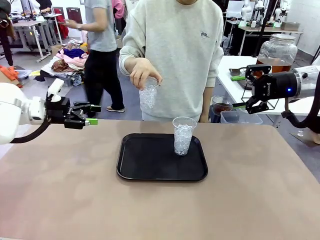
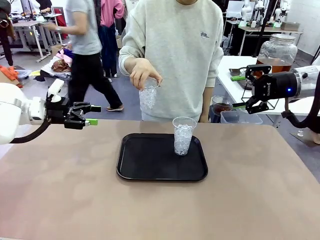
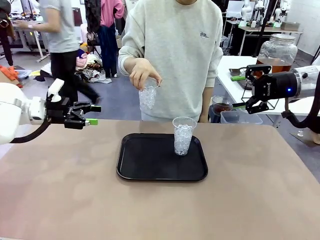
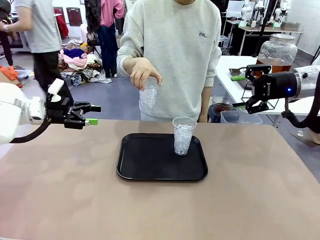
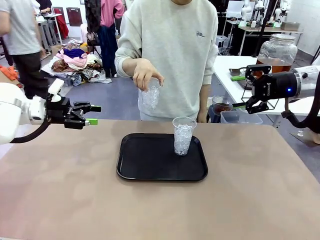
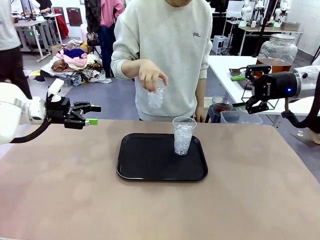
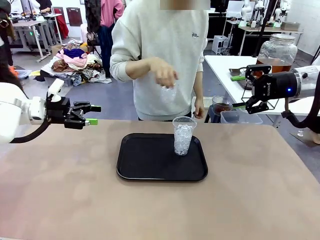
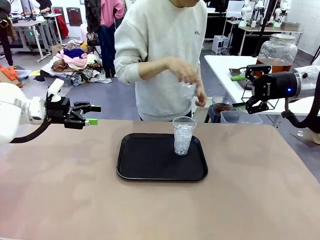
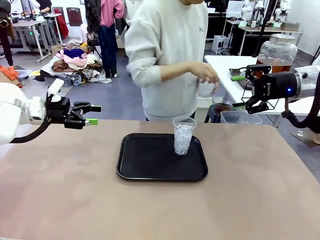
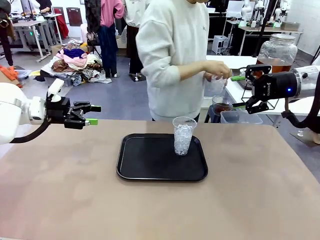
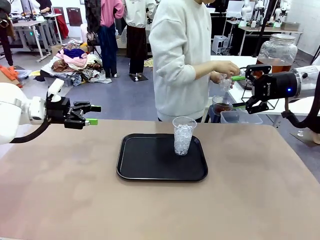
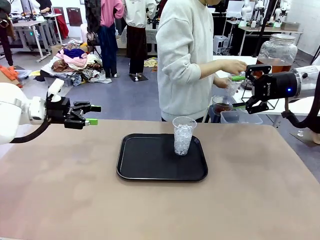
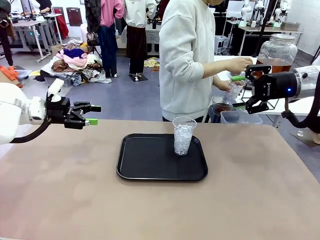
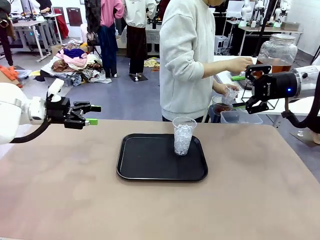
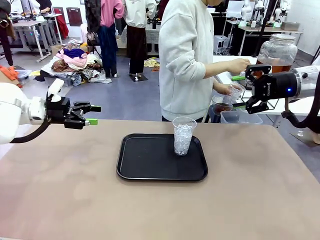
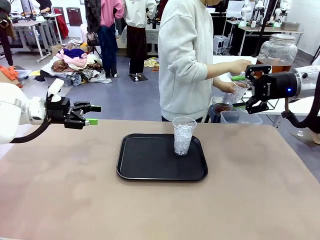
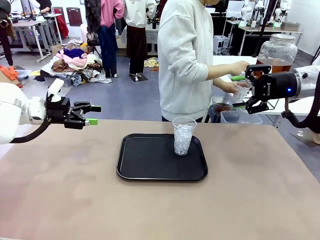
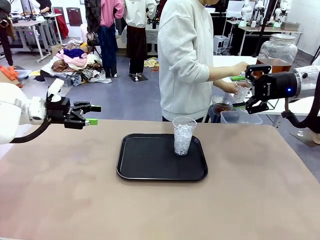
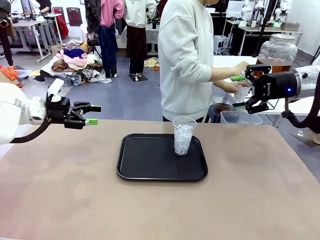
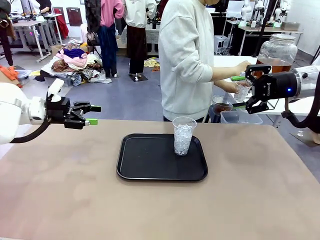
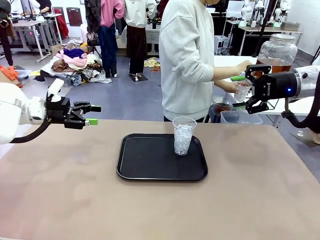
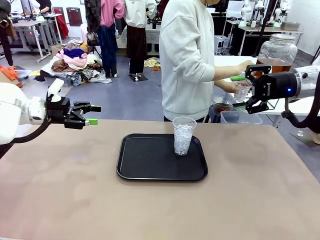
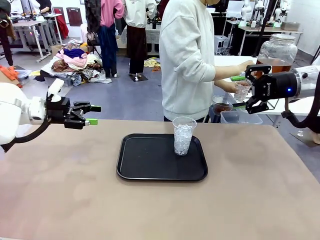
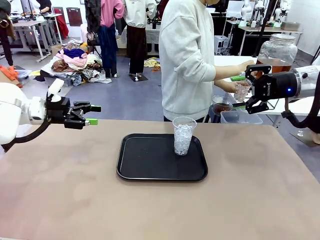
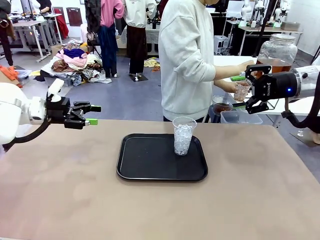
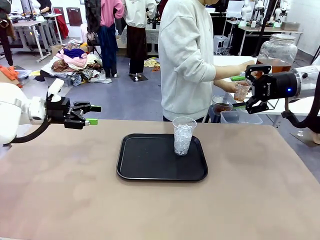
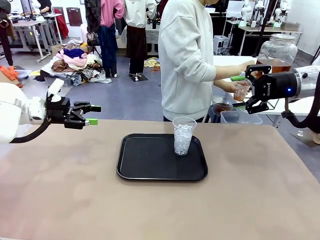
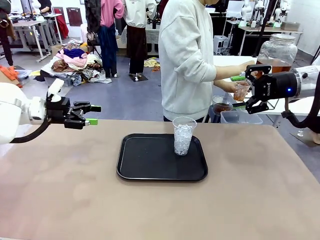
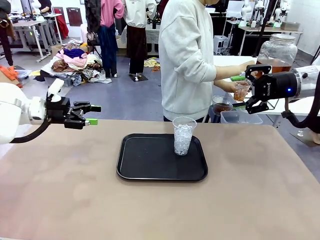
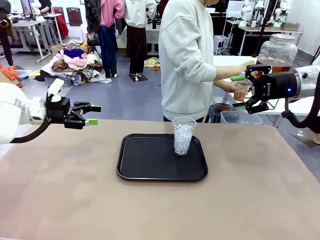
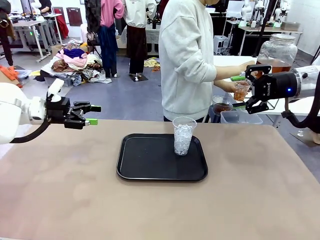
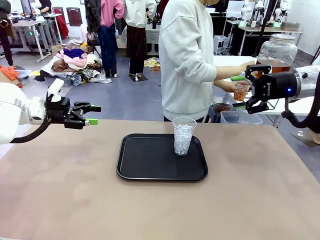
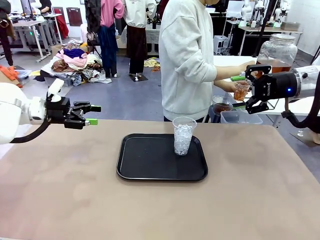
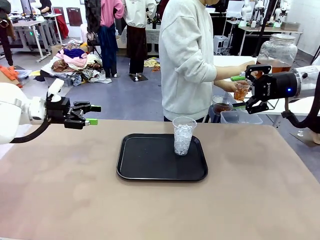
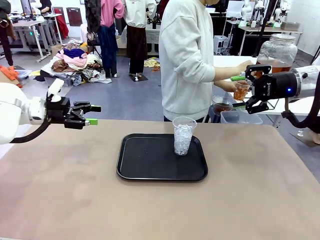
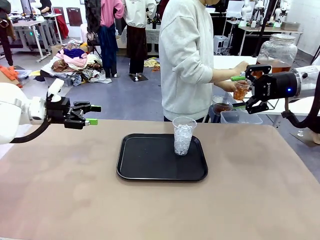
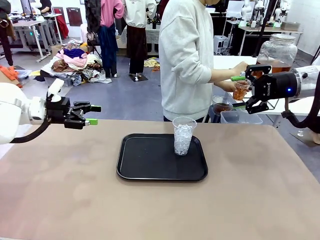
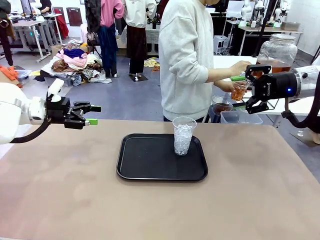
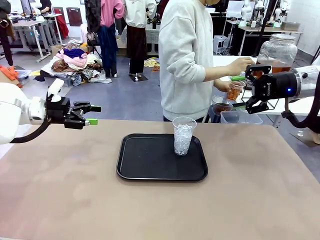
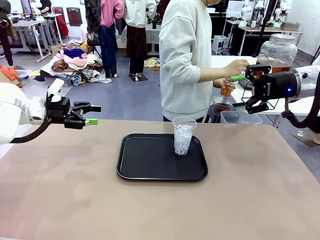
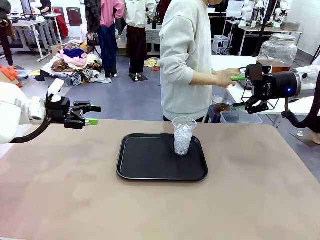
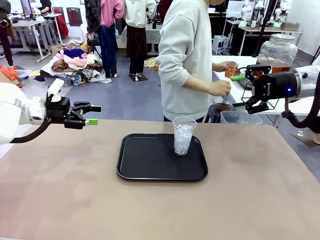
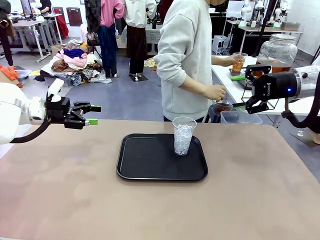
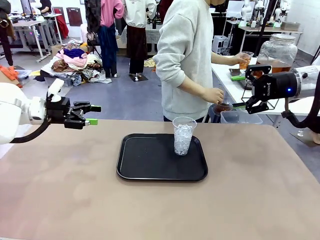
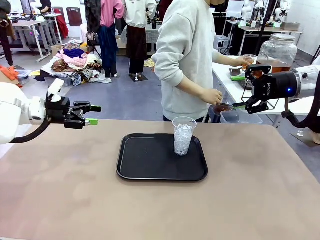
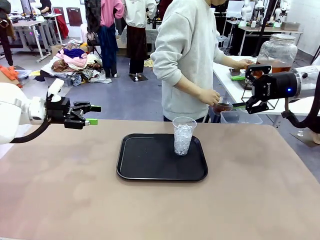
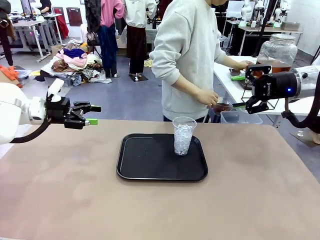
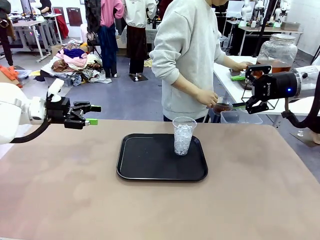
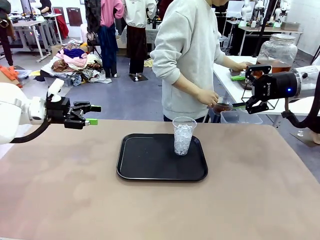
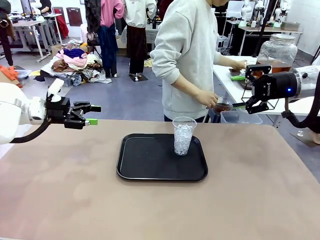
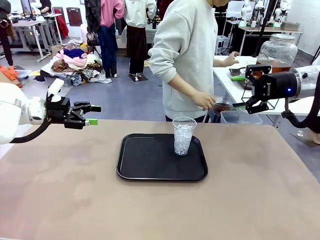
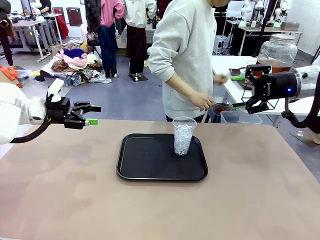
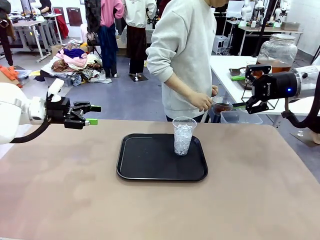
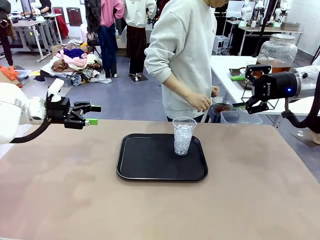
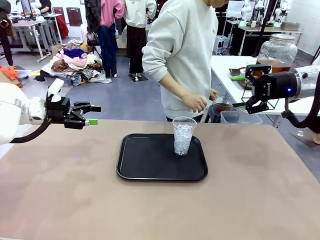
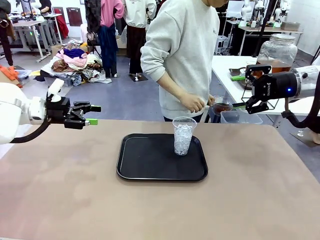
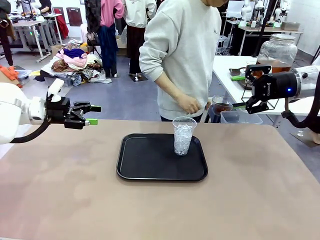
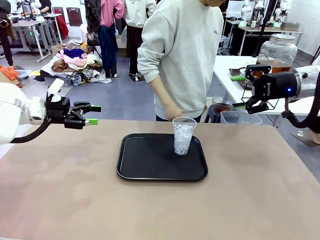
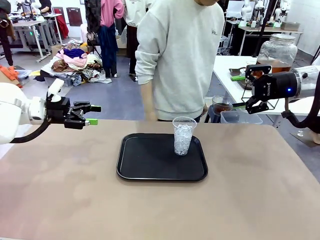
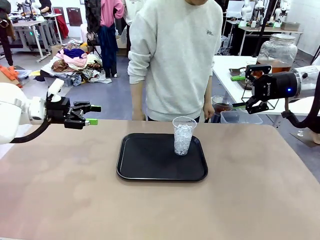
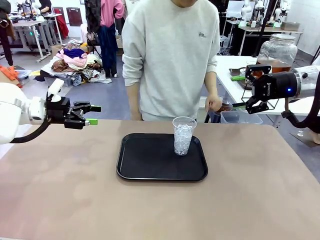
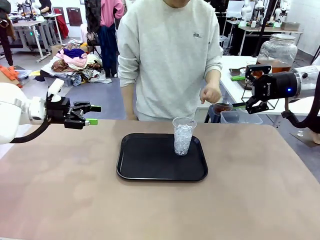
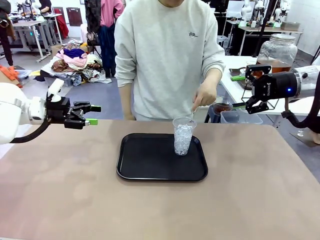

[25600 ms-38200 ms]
Task: Pour the drink into the iced cup.
Robot: Pick up the iced cup indicated by the human and present it to them.
Person: Move the picked-up cup under the dispenser faucet, pour the drink, and place it on the tray on the human table. Point to the remaining ice cup on the robot table.

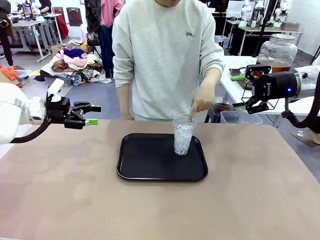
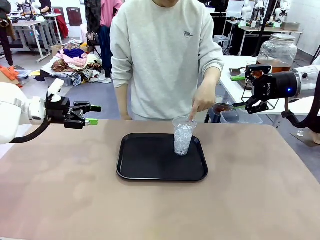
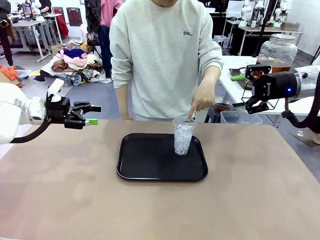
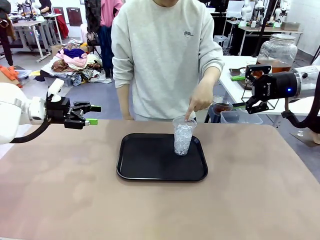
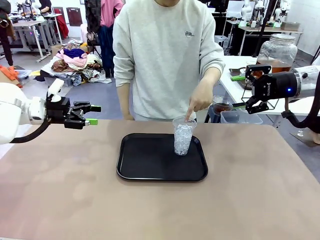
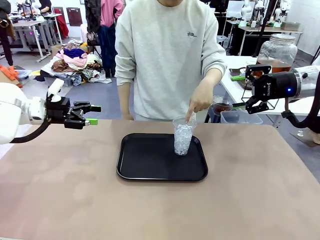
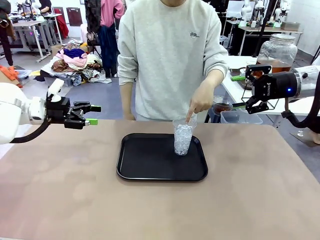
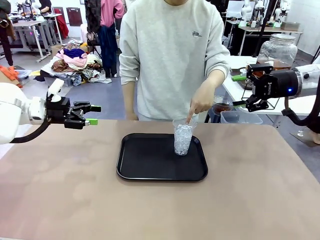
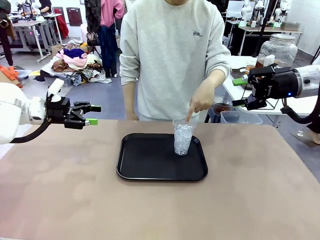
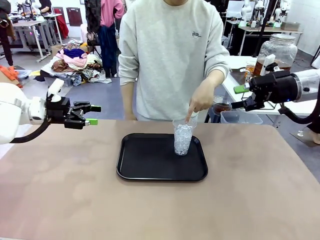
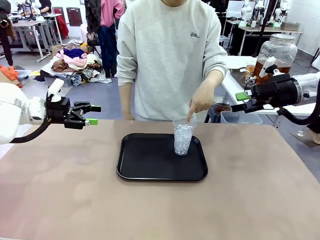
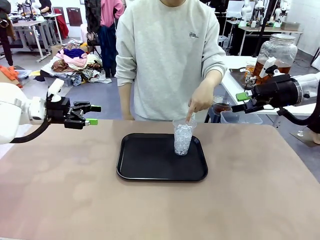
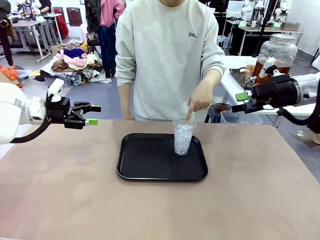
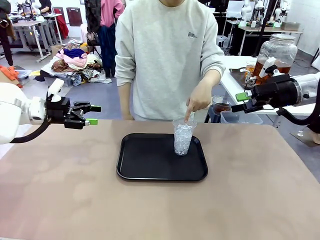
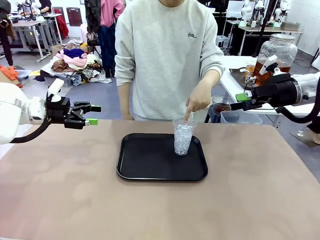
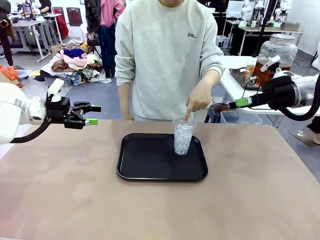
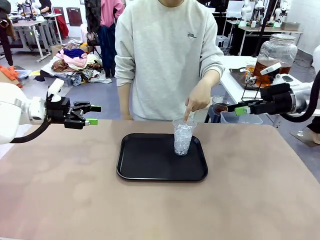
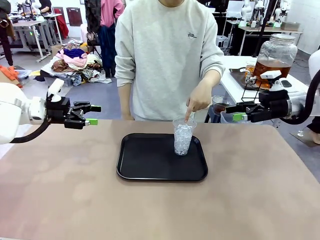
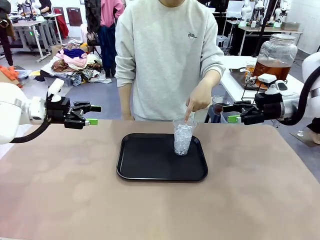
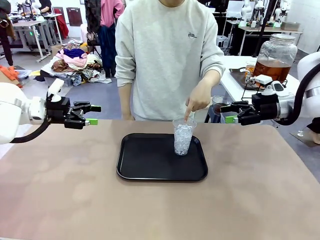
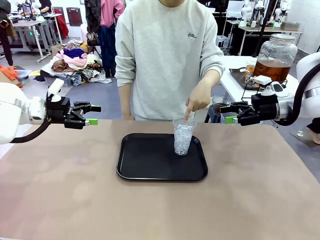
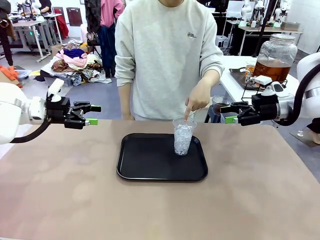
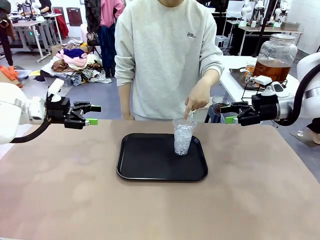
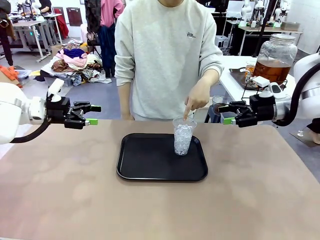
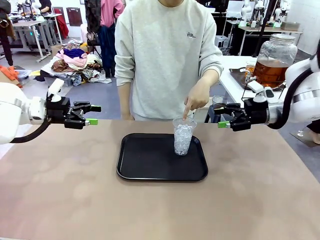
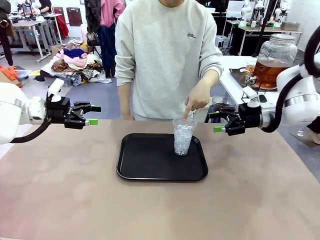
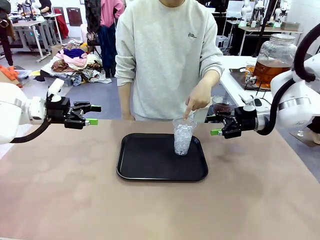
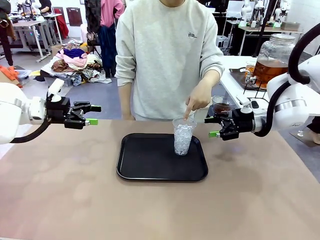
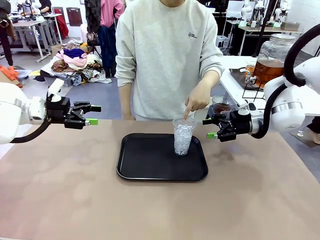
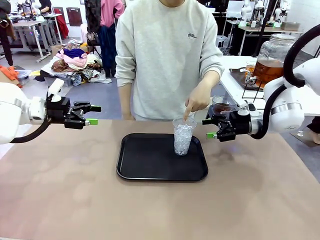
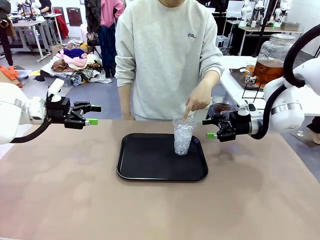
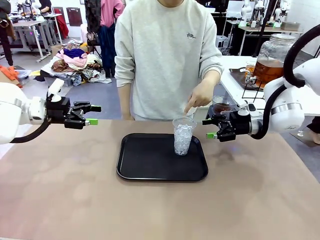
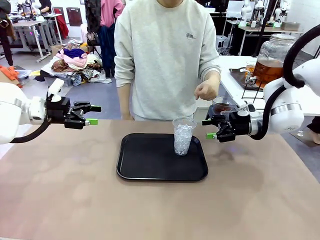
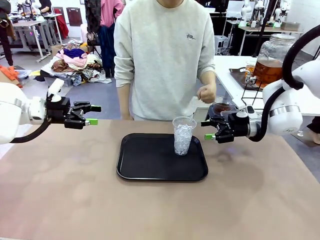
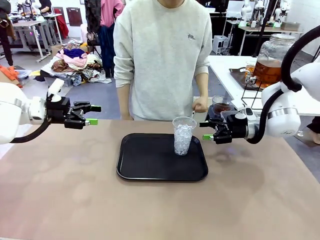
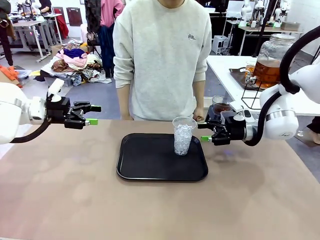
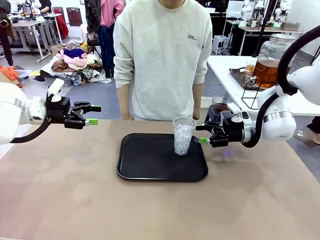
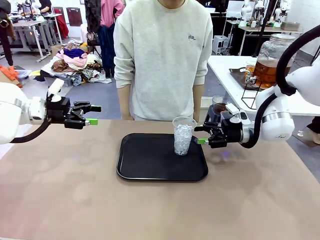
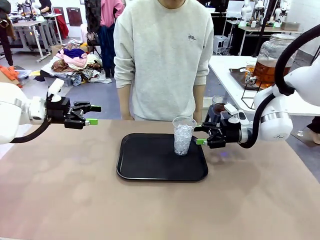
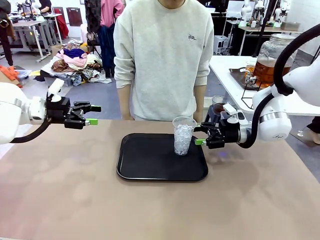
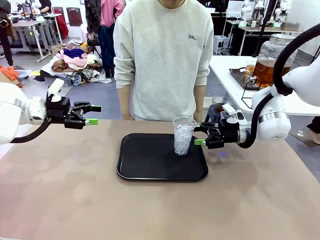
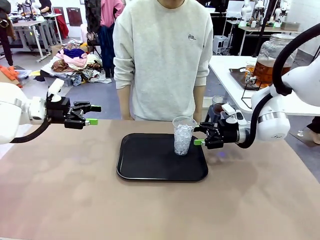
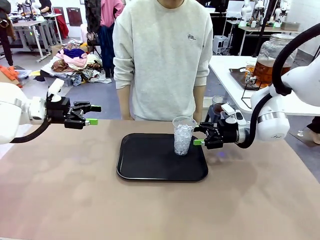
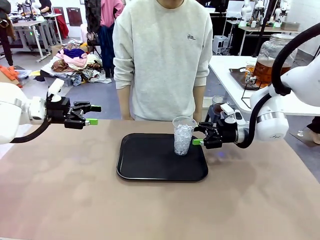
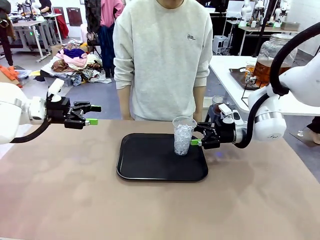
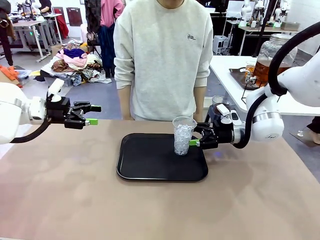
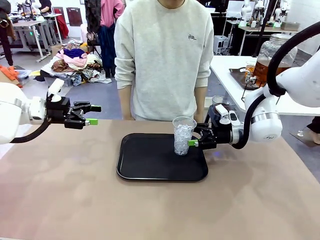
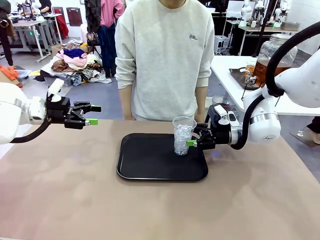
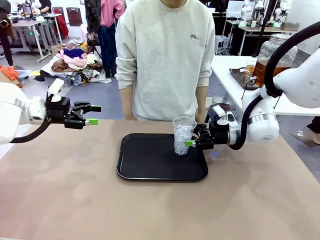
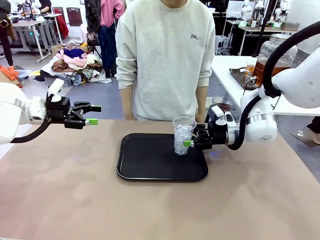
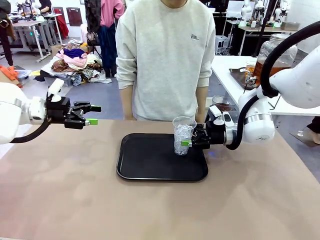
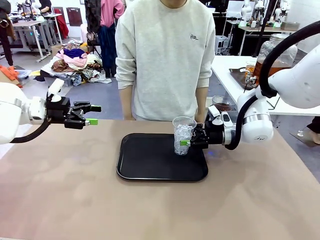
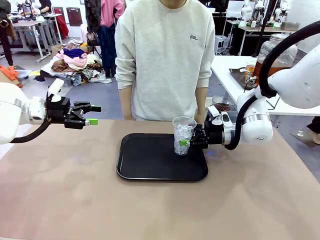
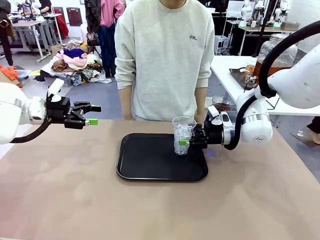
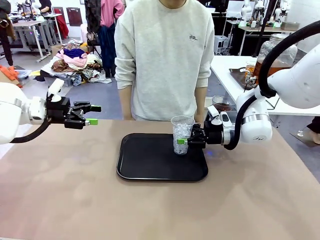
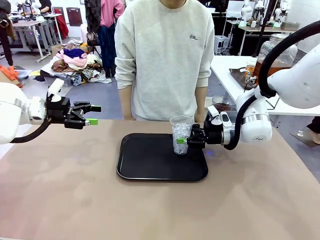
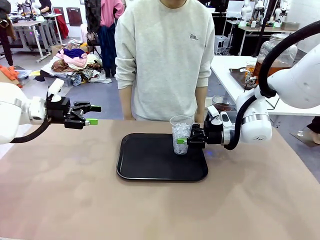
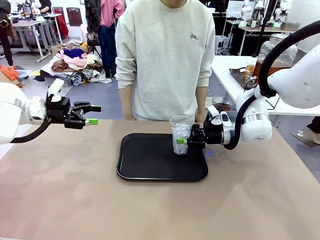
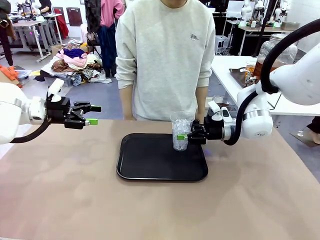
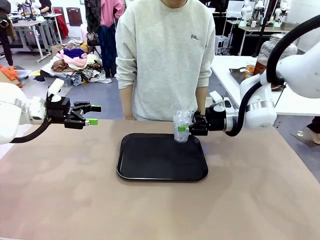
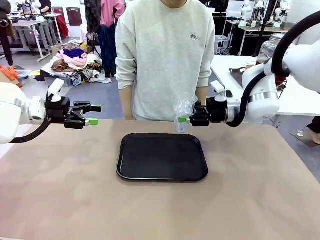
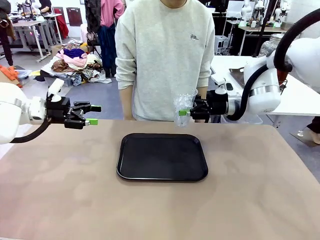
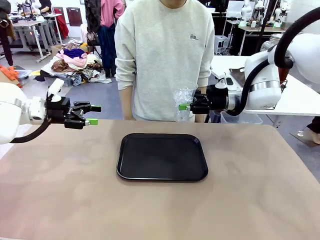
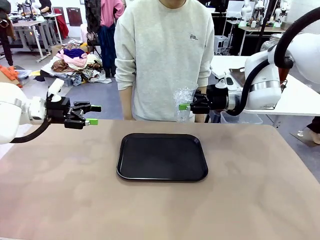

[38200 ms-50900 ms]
Robot: Pick up the iced cup indicated by the human and present it to them.
Person: Pick up the cup offered by the robot.
